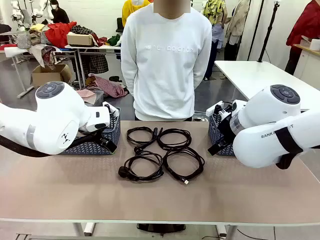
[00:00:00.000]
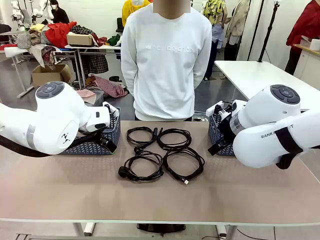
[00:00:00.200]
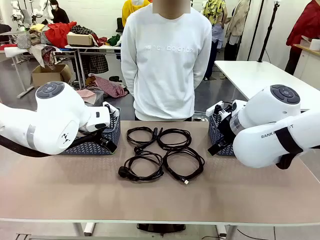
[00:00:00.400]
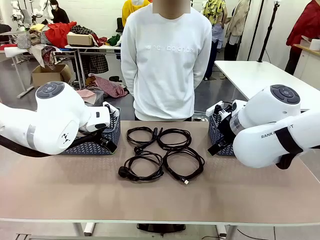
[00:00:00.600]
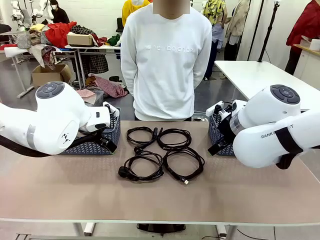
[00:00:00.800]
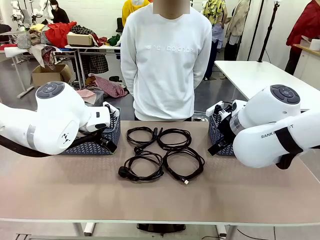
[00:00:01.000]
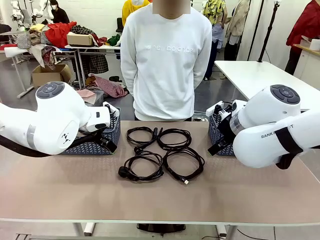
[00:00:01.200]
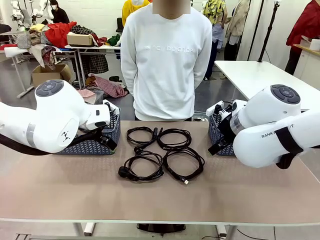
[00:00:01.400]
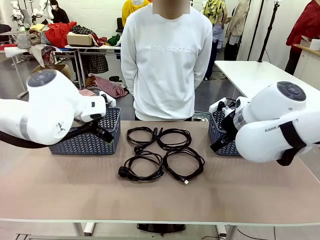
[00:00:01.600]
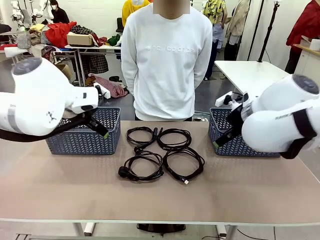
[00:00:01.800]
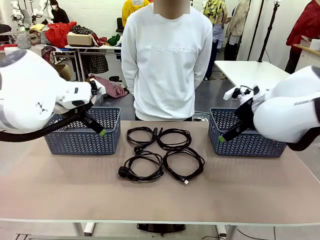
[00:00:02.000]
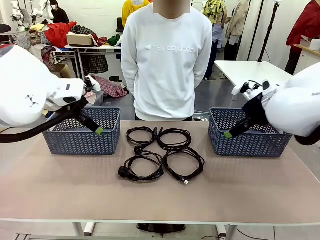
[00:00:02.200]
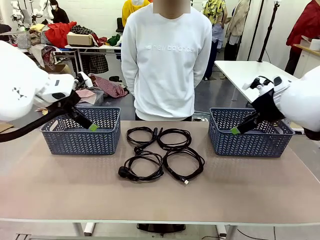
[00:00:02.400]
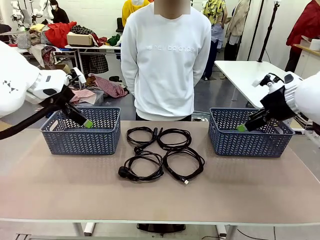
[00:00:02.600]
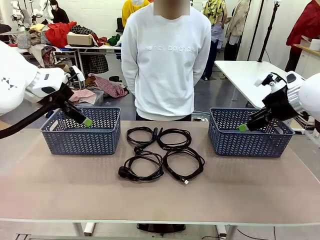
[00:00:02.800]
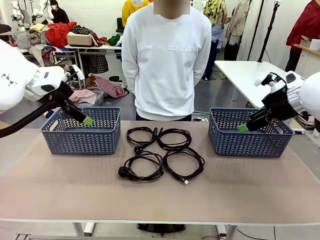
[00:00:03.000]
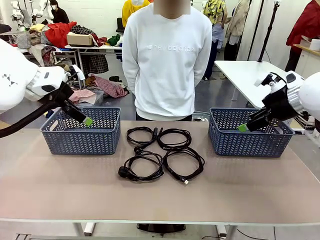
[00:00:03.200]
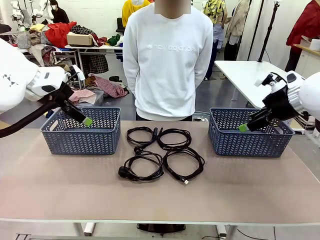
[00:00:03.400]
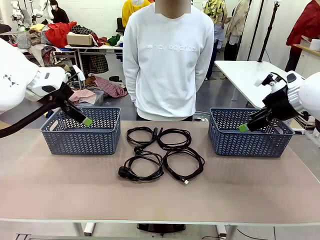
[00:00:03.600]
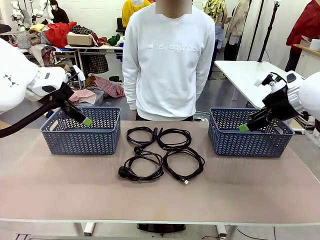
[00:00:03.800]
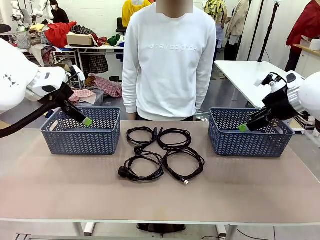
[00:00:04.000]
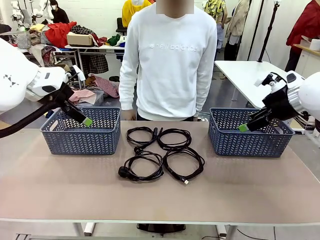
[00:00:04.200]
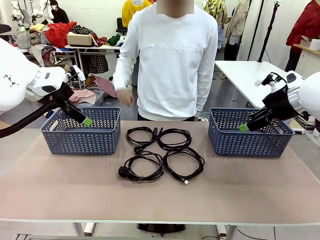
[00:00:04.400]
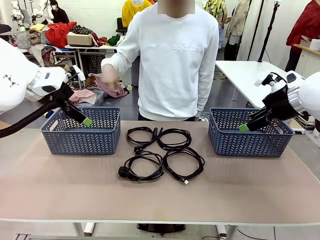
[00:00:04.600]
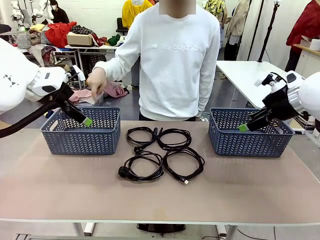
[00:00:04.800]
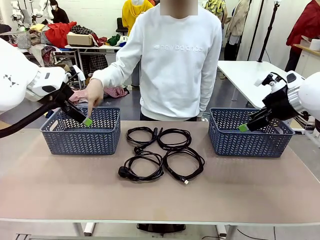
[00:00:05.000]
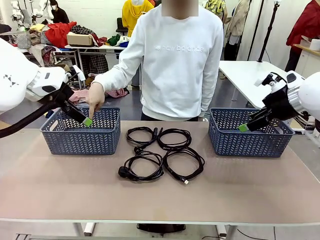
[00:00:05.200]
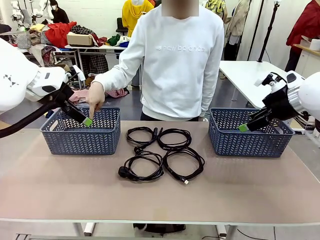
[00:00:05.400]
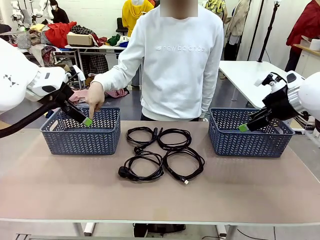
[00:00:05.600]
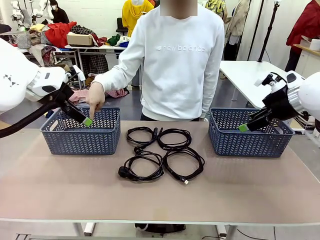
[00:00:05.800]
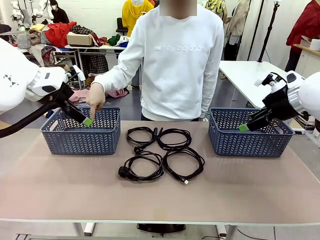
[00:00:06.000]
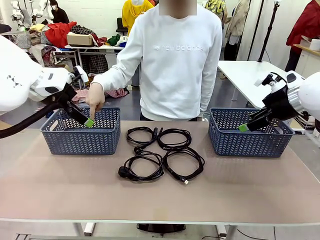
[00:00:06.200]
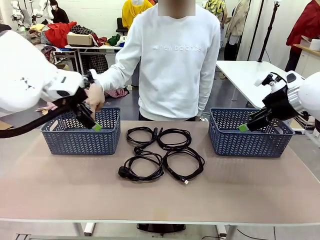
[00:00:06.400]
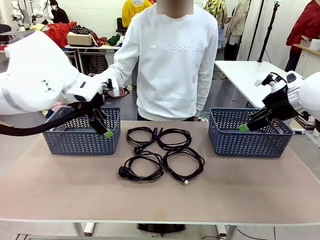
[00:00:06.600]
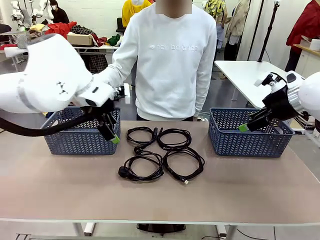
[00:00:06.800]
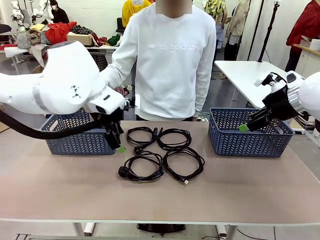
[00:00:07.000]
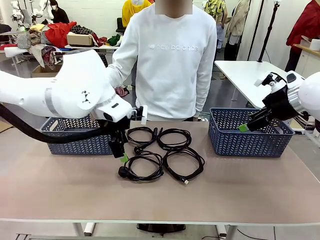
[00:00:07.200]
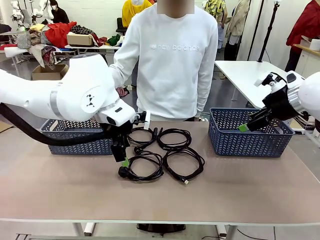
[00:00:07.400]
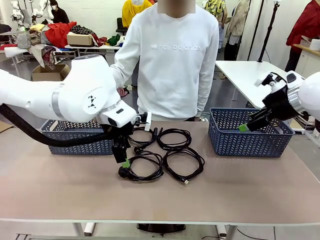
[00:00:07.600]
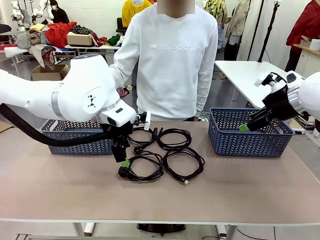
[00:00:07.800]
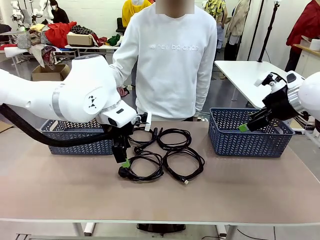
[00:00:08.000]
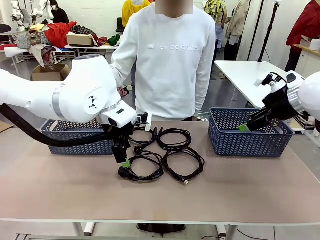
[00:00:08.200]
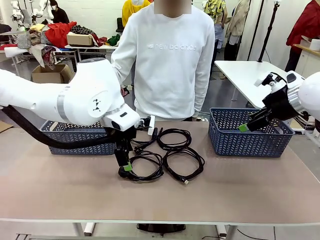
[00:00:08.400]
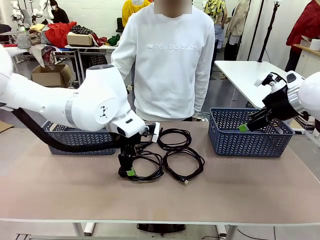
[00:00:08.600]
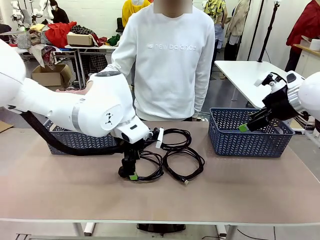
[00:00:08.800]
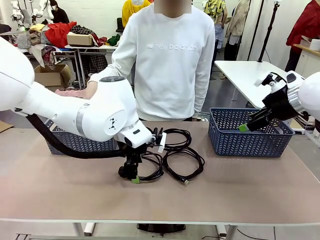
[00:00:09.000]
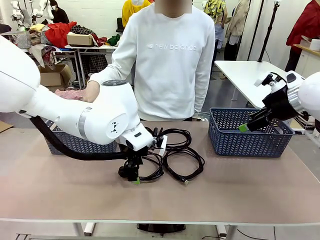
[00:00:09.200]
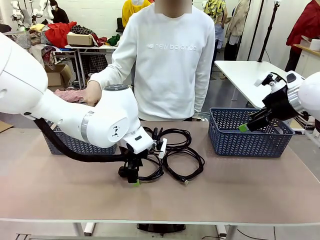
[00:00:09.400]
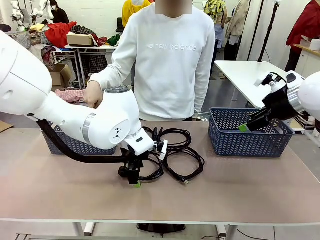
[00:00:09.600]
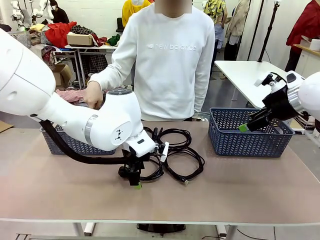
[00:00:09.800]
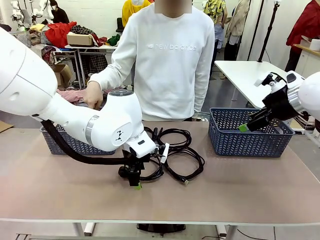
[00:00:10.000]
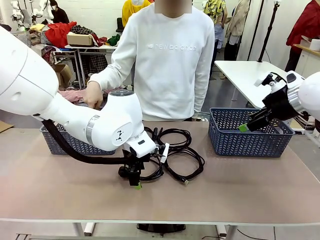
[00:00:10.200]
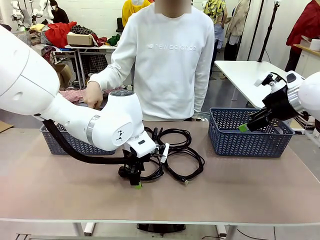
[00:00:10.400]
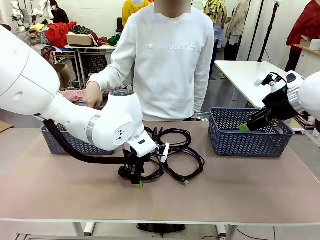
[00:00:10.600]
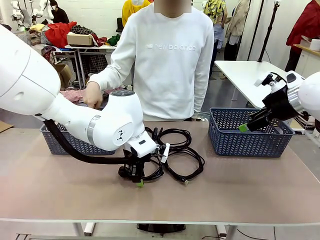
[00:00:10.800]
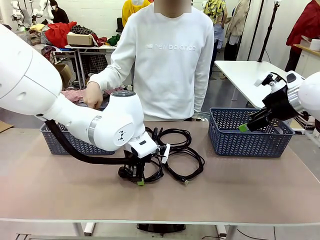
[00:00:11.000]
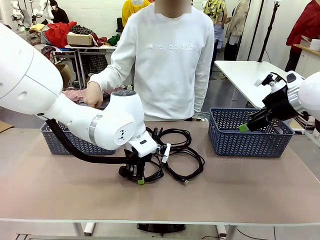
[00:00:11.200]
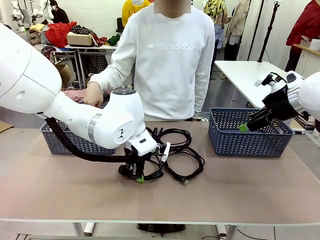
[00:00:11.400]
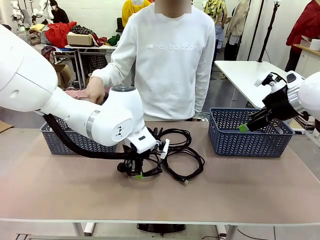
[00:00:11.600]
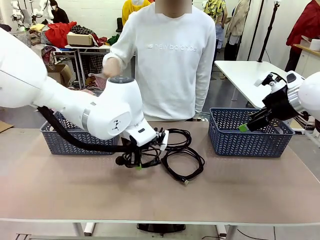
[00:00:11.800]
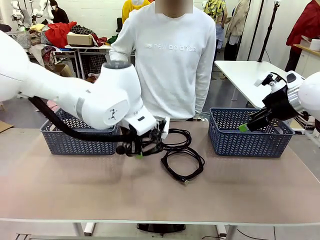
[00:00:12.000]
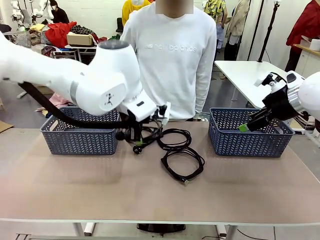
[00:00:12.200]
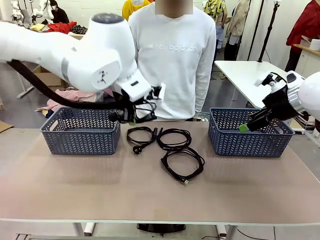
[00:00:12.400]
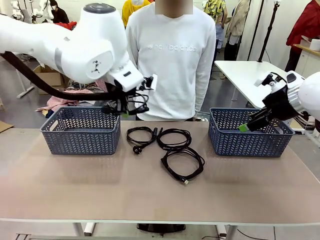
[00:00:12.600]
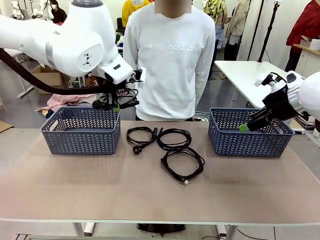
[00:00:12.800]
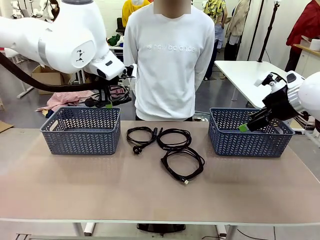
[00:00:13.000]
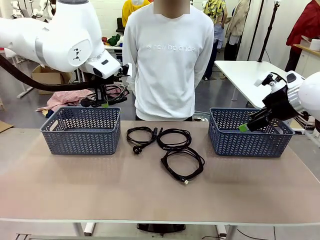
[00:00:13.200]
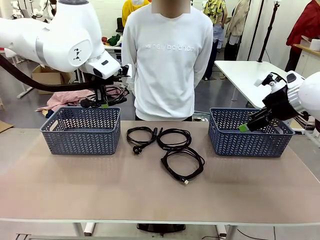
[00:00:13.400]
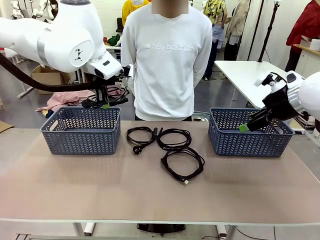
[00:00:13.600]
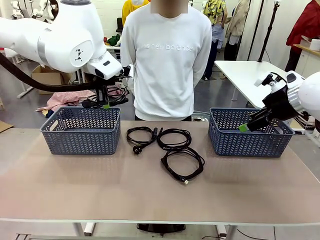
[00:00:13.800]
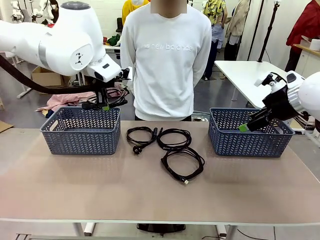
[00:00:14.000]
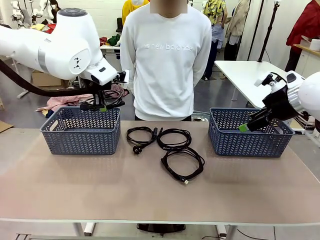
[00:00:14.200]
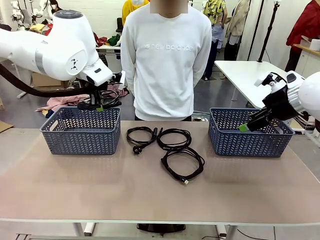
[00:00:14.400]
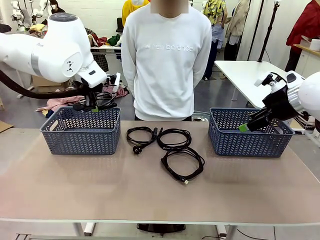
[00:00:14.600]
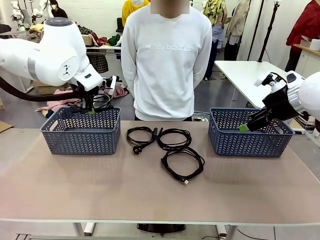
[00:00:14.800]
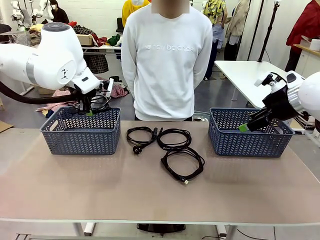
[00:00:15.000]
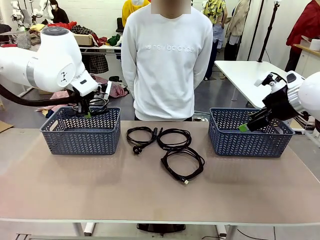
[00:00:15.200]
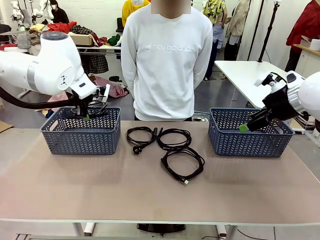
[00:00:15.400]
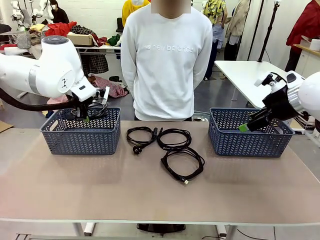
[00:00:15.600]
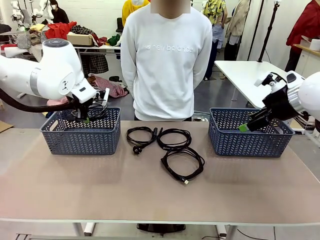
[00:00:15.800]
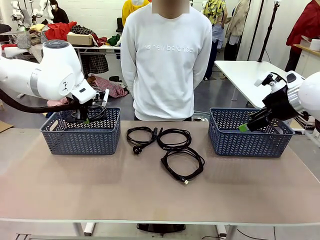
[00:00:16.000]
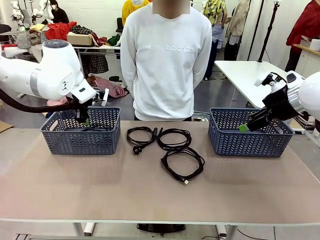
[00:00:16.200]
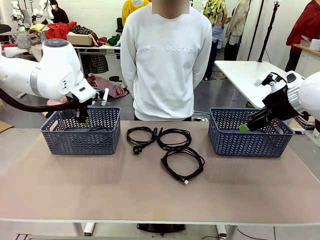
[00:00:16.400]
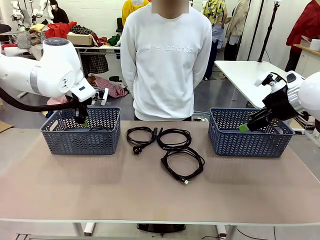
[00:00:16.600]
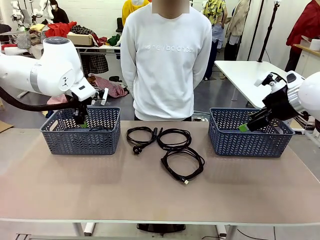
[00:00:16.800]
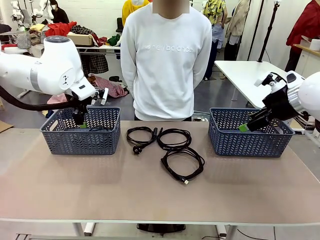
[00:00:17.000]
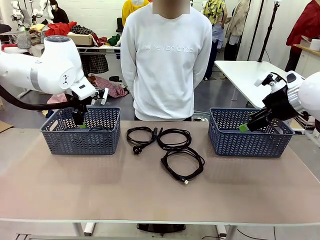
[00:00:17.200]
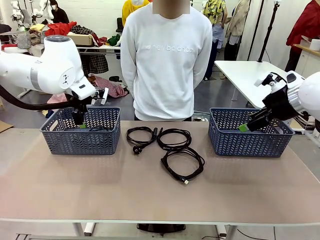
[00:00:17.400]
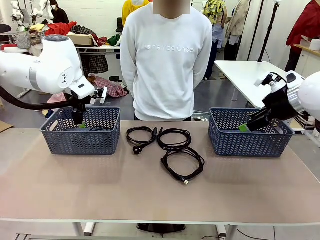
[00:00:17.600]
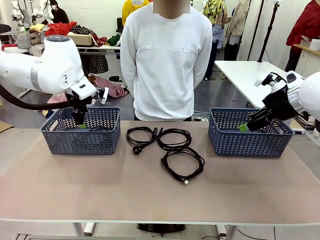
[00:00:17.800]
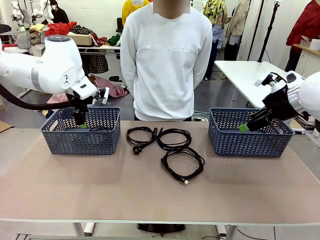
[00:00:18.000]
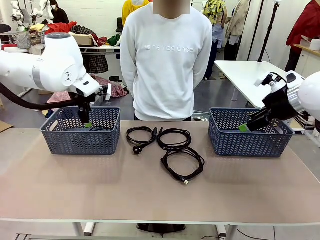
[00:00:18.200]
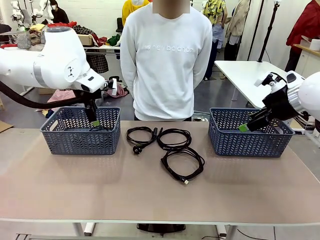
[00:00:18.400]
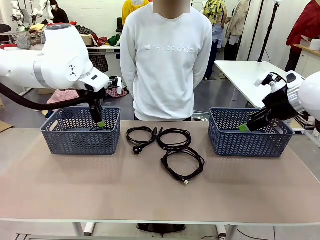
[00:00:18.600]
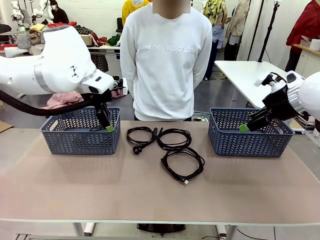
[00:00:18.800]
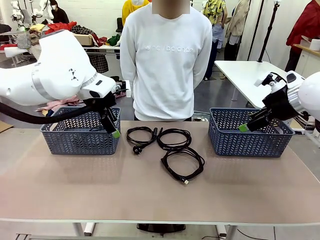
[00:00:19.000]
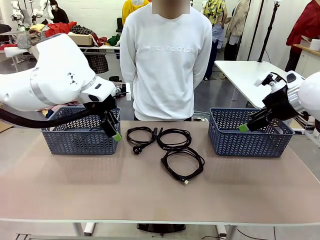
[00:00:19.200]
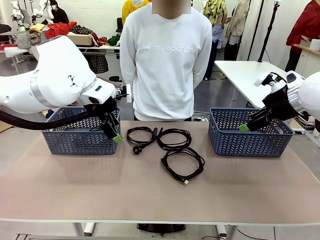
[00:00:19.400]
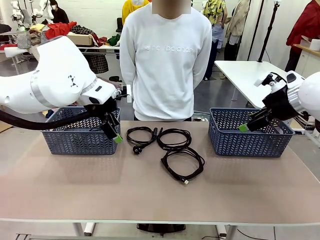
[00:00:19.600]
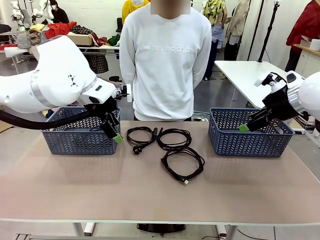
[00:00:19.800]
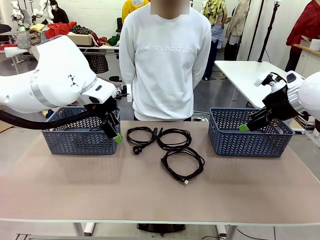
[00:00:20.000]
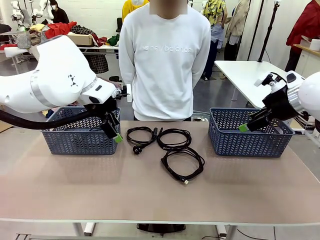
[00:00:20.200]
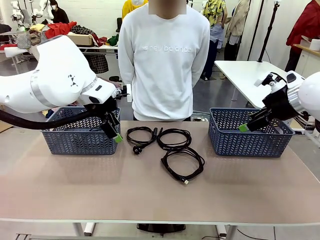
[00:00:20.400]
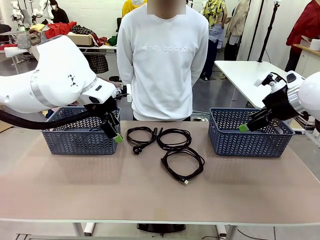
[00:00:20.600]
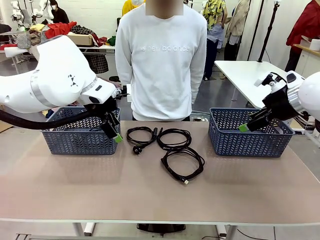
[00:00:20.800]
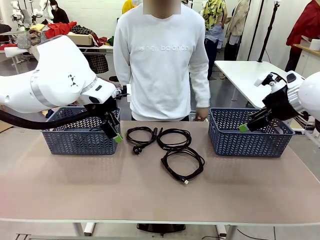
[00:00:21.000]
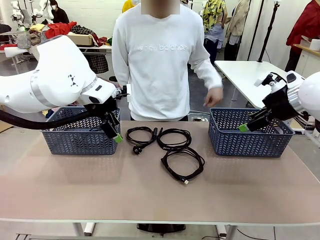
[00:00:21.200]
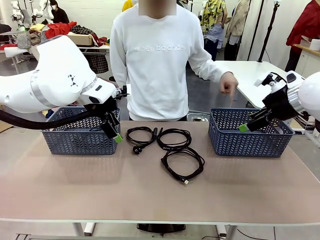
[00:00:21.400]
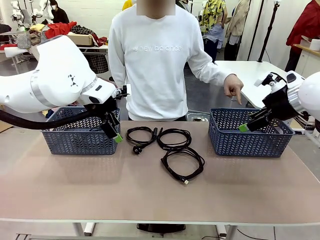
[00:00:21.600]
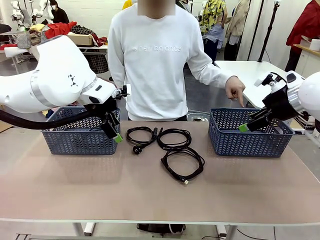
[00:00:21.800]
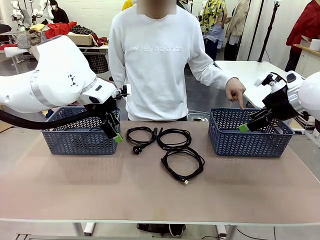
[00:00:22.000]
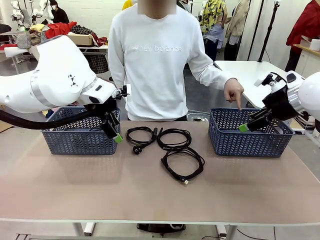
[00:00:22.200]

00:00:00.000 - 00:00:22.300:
Task: Organize the cables according to human instructions.
Robot: Pick up a bundle of cables and place it in the basket indicated by the human.
